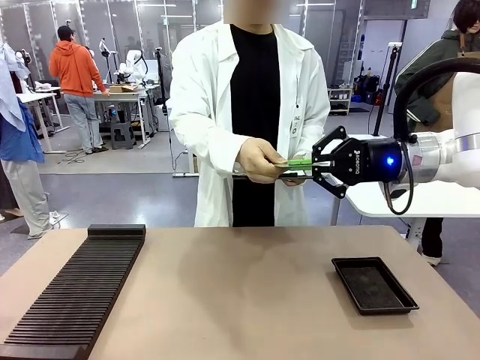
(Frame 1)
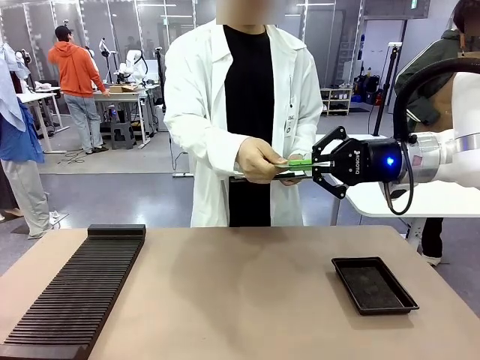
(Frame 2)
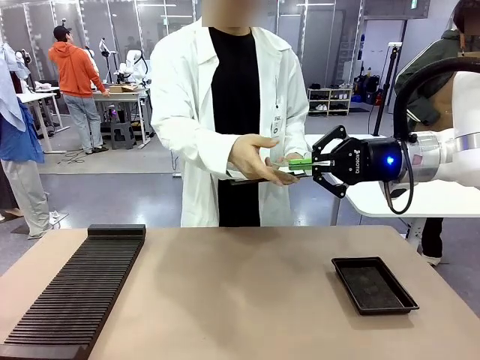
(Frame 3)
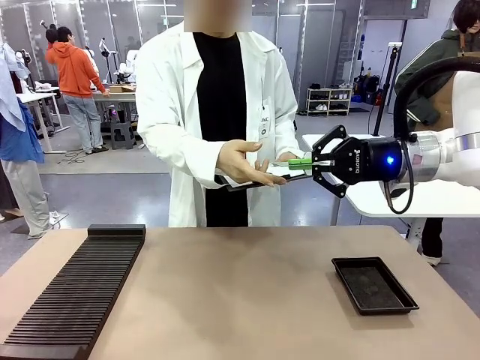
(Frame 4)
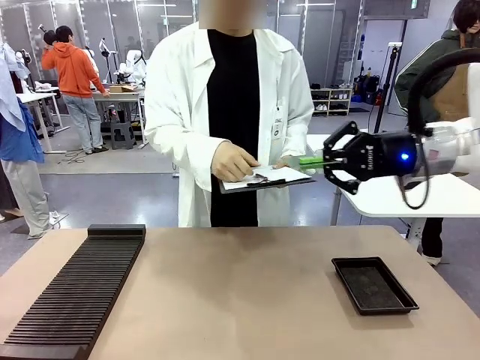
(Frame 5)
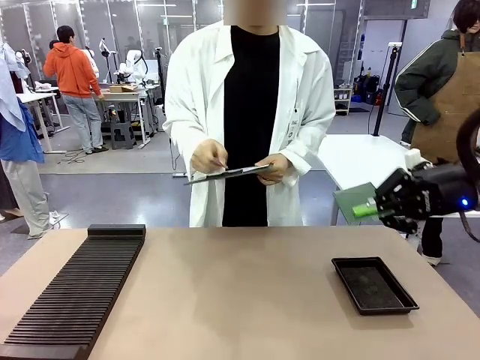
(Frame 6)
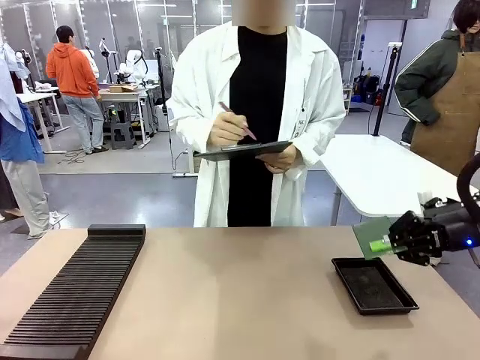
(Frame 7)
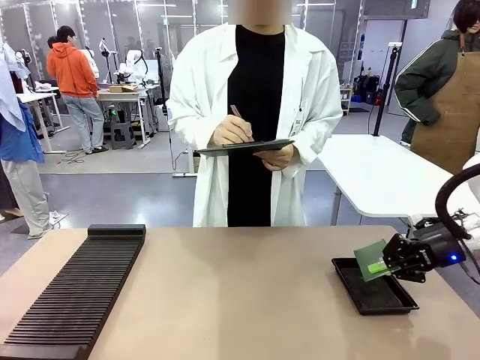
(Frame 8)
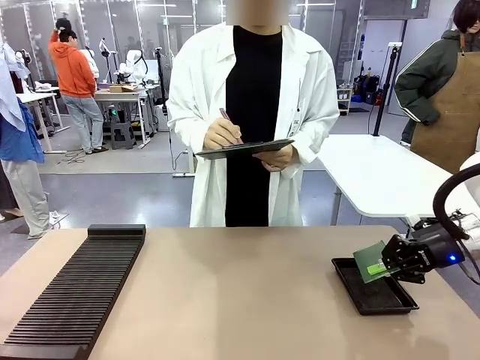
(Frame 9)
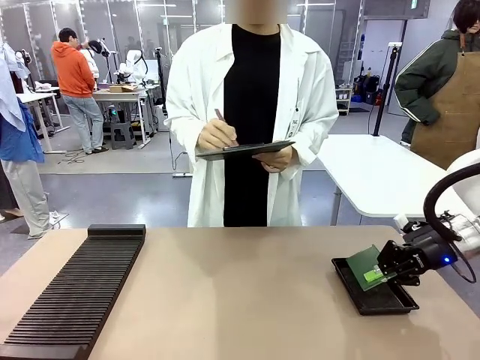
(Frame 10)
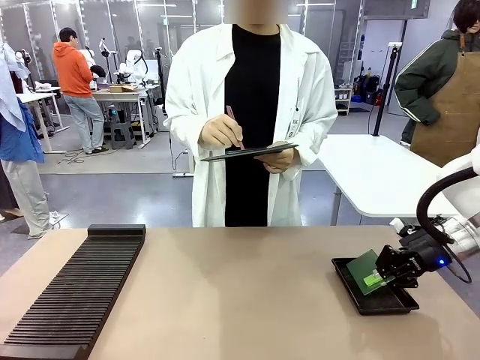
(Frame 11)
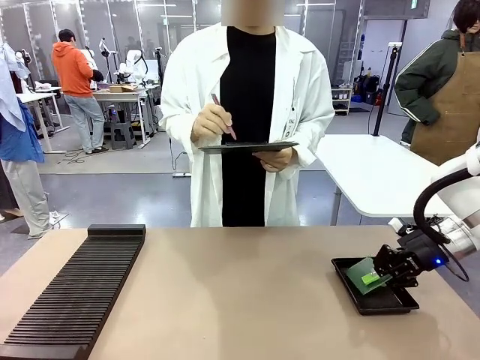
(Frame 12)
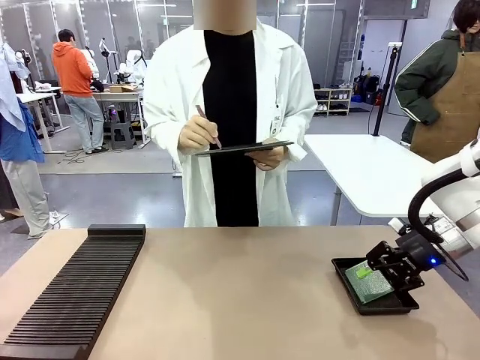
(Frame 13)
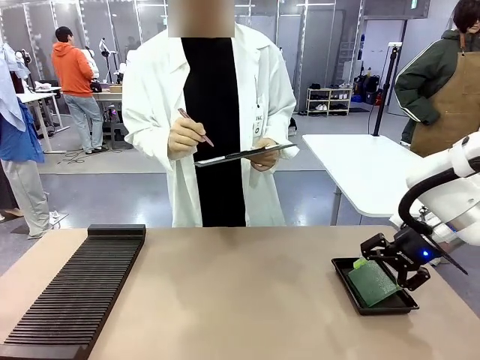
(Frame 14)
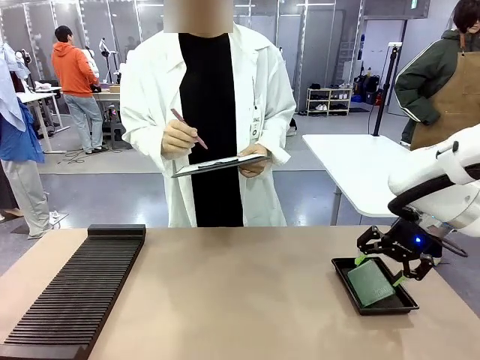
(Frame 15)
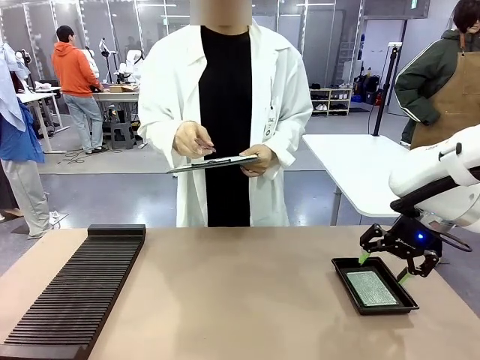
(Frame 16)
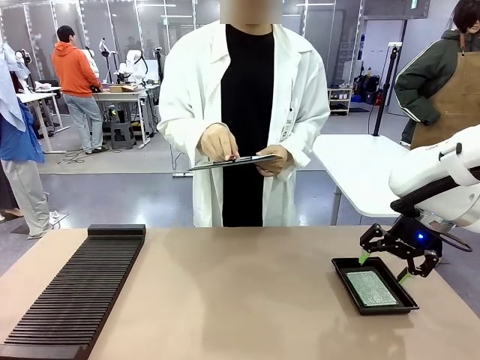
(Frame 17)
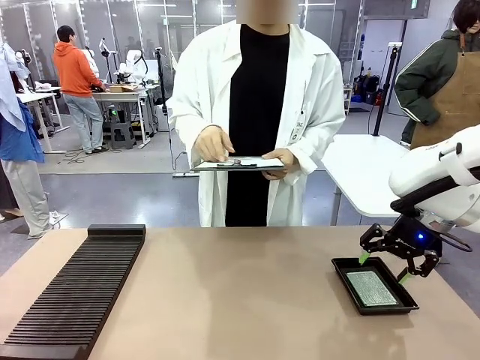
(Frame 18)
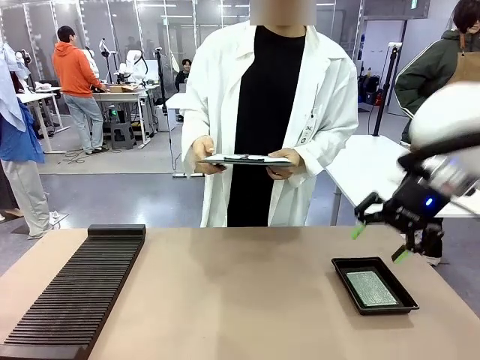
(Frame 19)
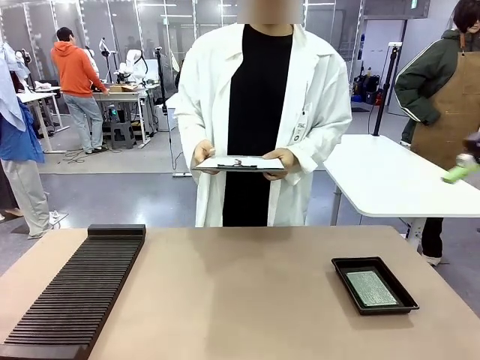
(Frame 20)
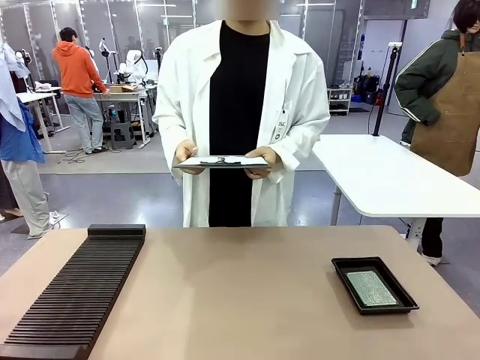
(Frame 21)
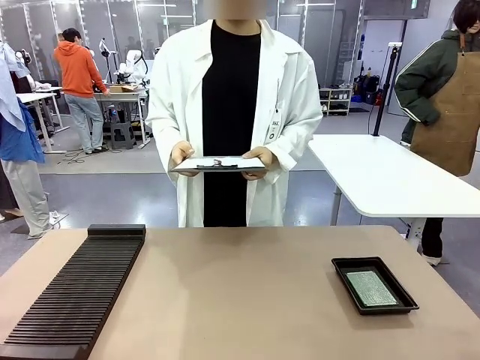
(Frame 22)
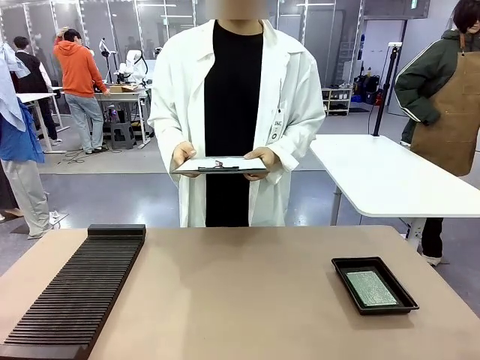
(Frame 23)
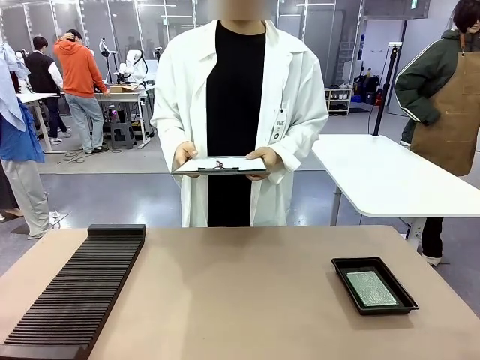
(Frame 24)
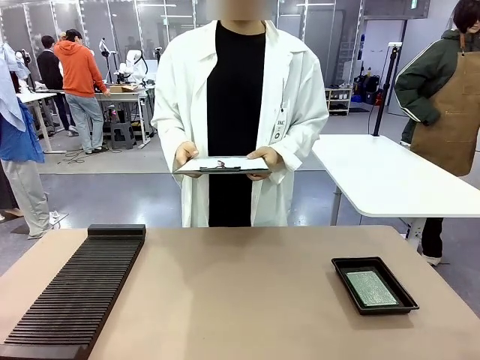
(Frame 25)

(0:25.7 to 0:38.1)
Task: Inspect the PCB.
Robot: Place the Blank PCB in the ESD tray.
Person: Record the PCB status on the paper.

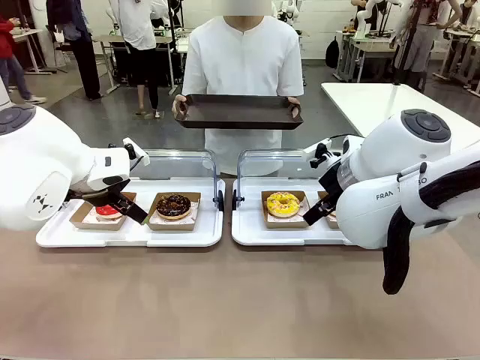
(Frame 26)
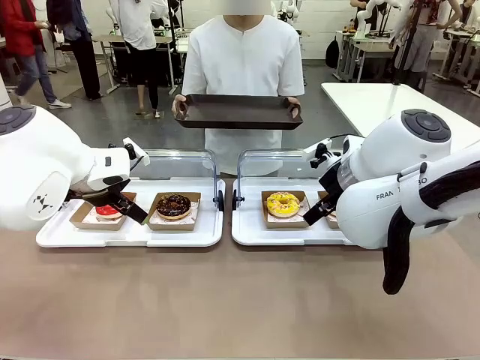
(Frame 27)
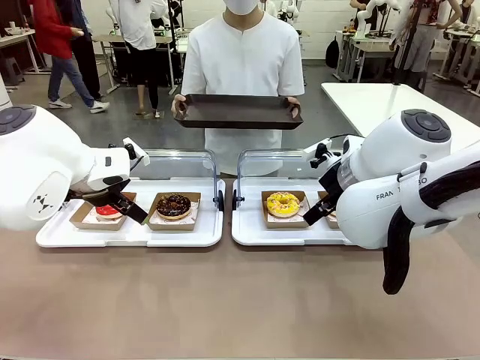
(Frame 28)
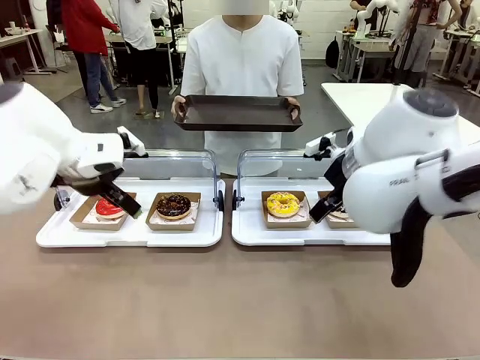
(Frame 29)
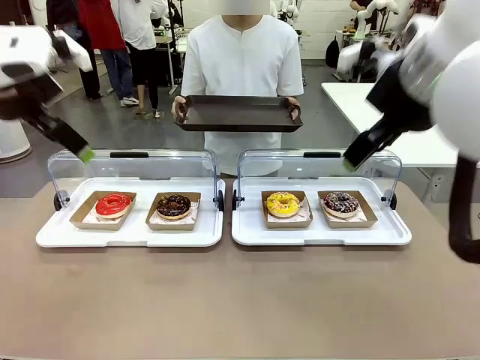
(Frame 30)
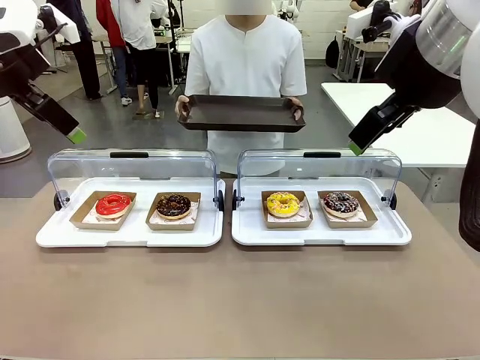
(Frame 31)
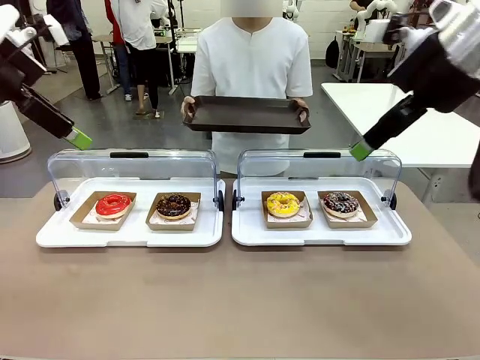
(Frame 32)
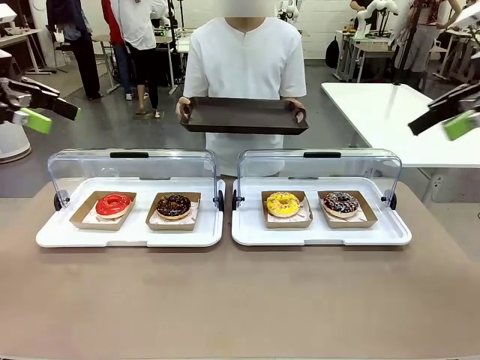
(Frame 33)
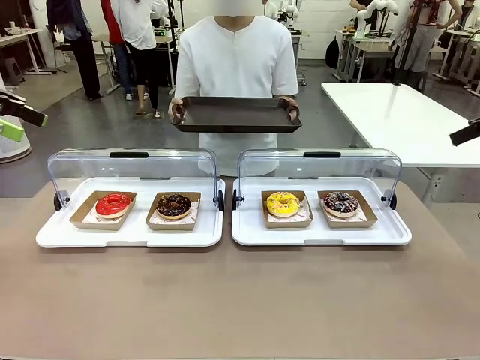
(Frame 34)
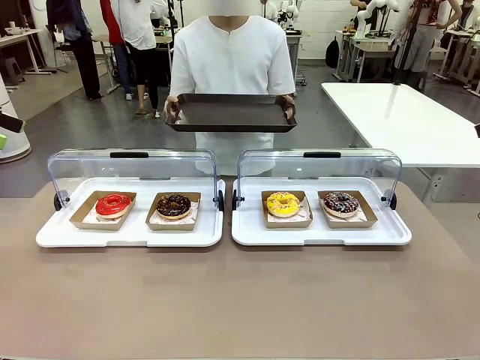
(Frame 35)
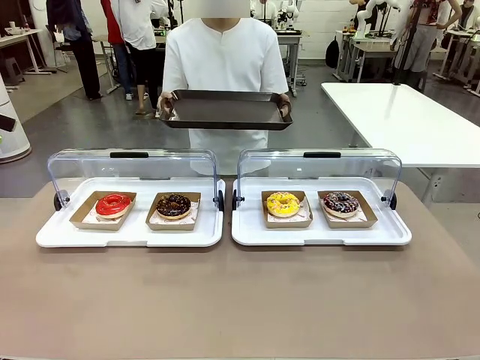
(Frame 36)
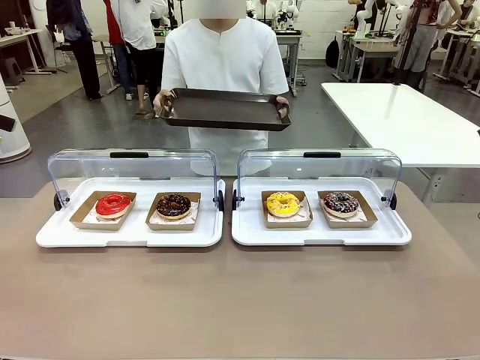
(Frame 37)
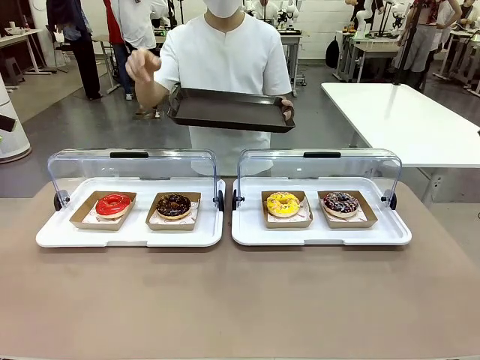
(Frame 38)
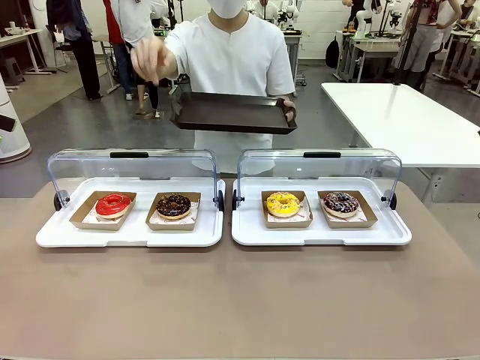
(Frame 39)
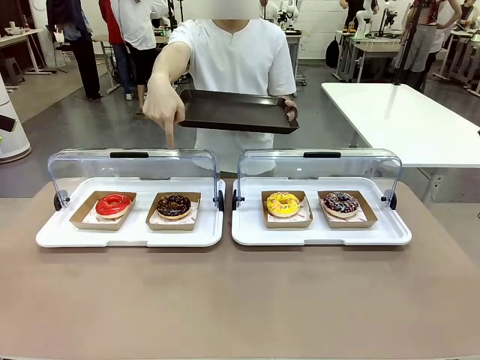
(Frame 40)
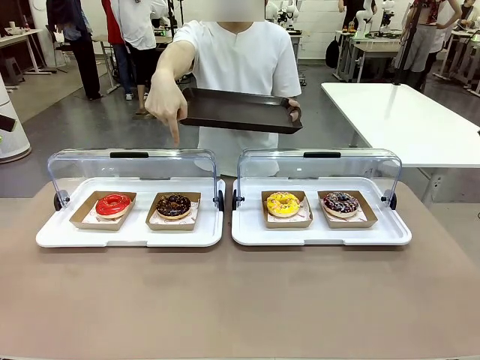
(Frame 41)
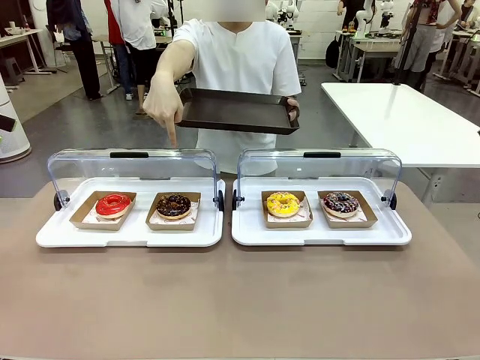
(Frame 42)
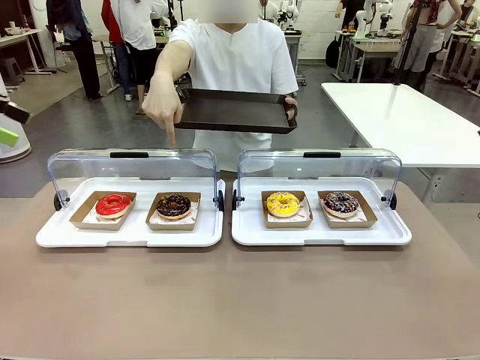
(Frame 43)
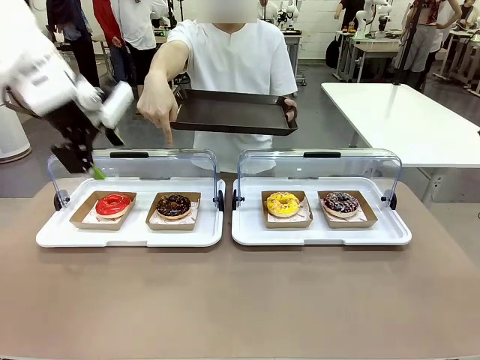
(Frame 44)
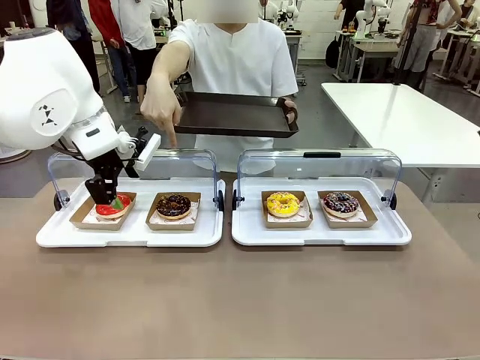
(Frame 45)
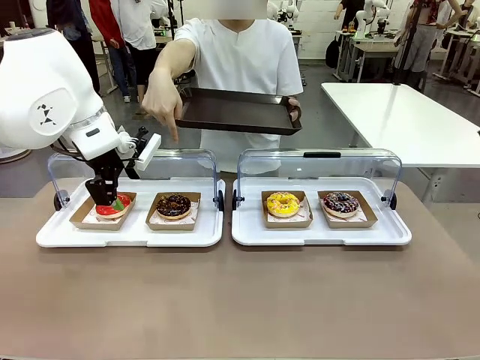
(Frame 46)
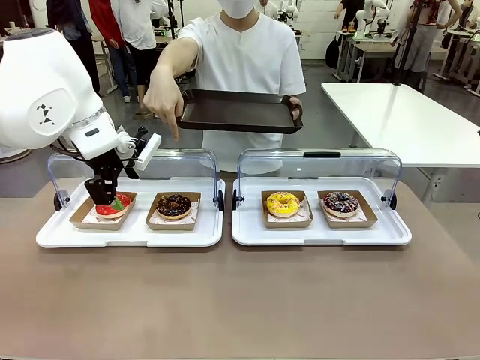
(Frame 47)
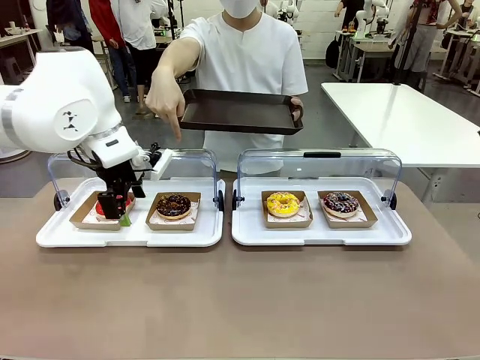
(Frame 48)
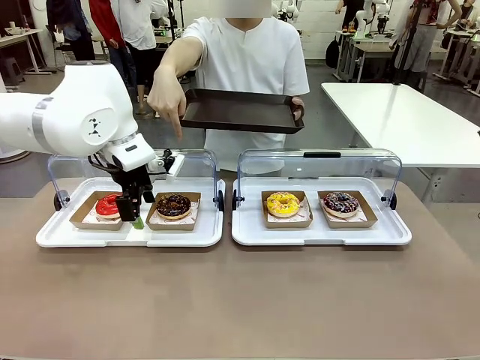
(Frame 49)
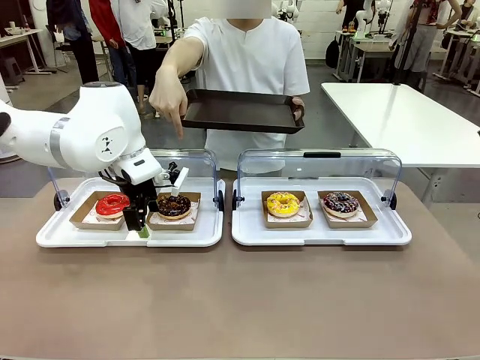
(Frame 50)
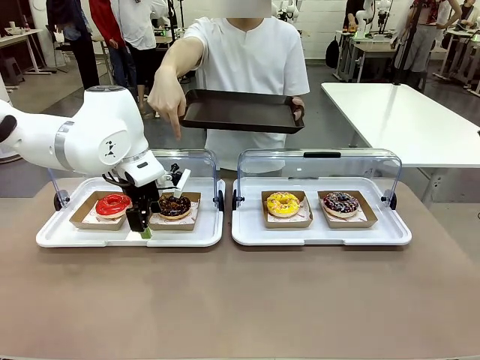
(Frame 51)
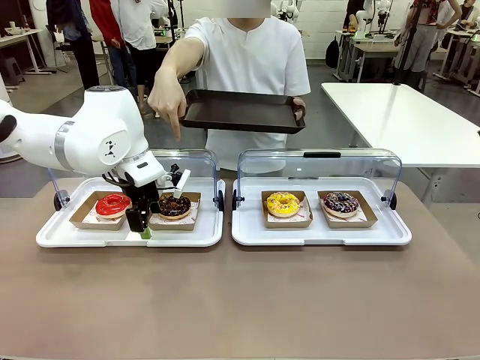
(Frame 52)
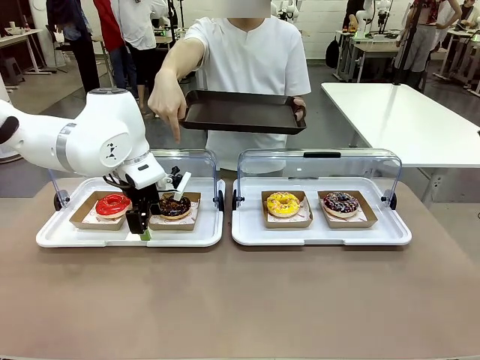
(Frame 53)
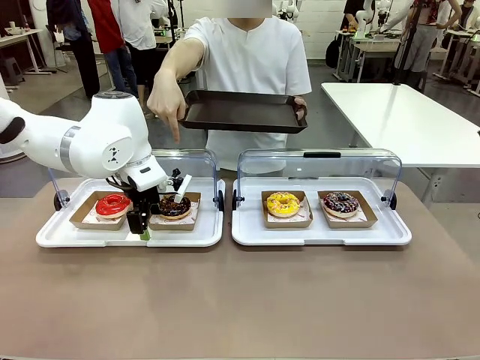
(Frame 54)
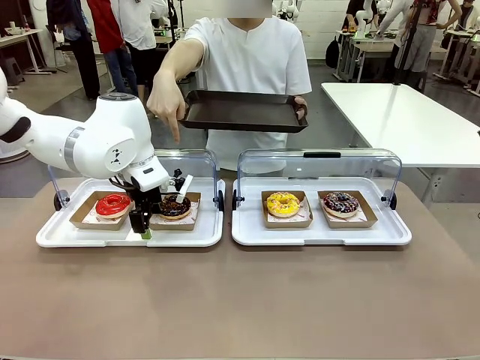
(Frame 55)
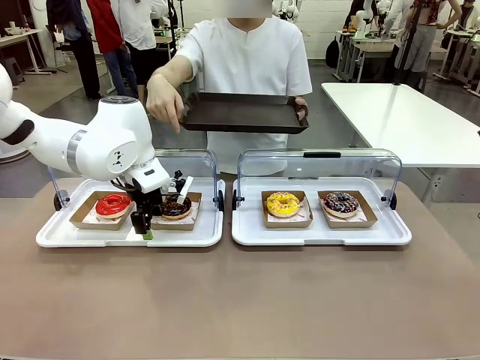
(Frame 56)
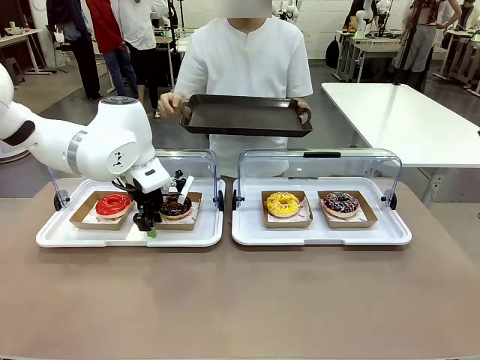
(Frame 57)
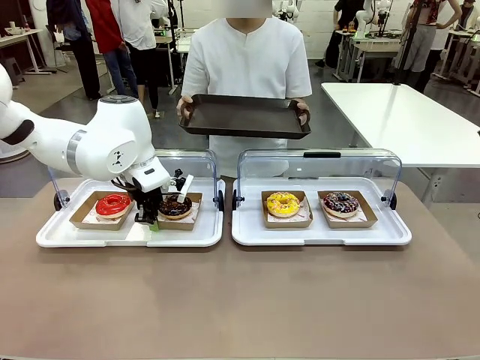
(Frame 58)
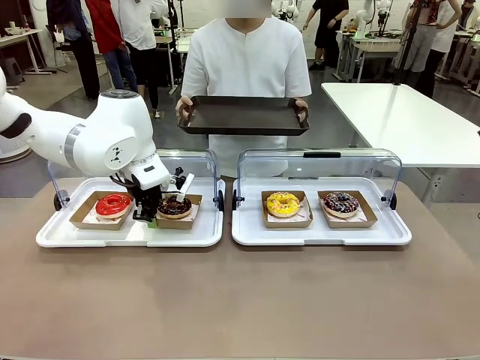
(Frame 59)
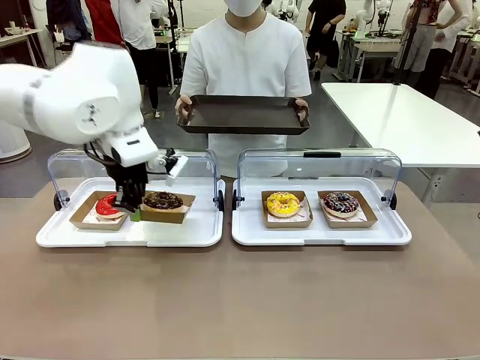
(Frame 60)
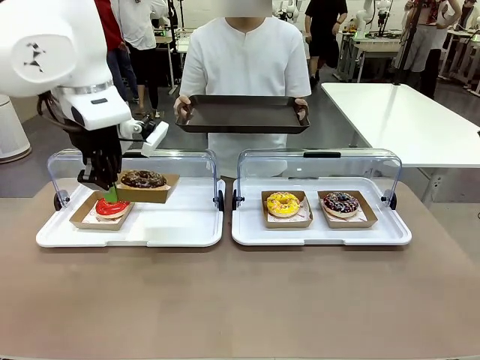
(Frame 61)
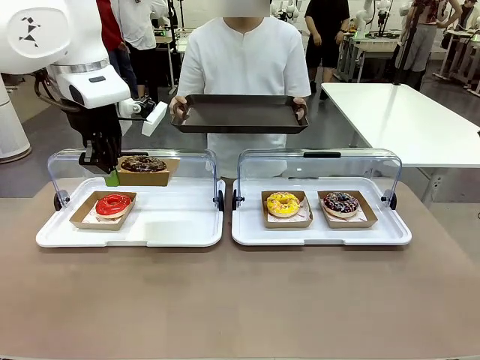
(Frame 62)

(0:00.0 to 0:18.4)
Task: Provide the desired donut to the person.
Robot: Pick up and lift the Paper togo box containing the Donut pointed at by the person.
Person: Point to one donut. Lift the tray onto the Roll-Top Bakery Case.
